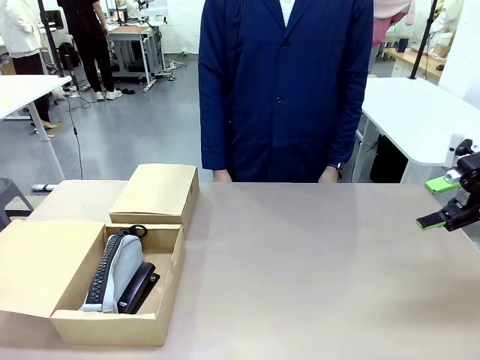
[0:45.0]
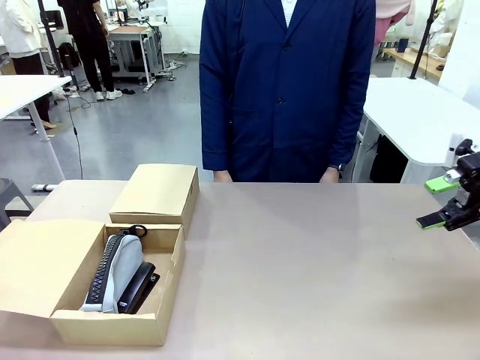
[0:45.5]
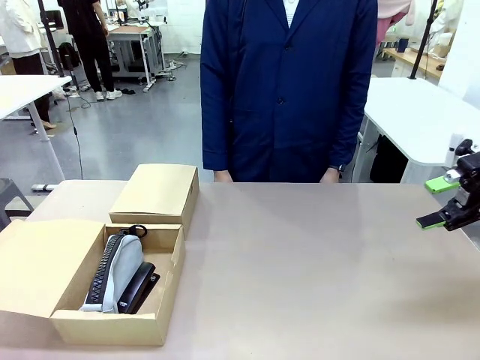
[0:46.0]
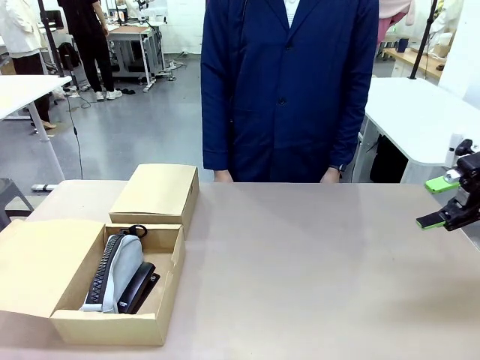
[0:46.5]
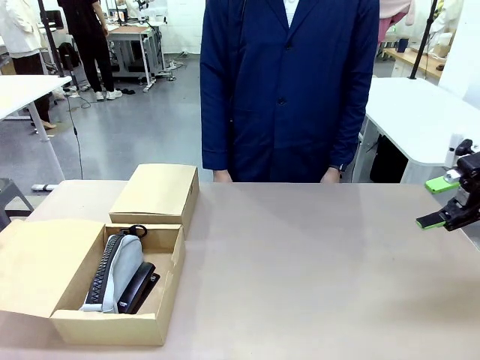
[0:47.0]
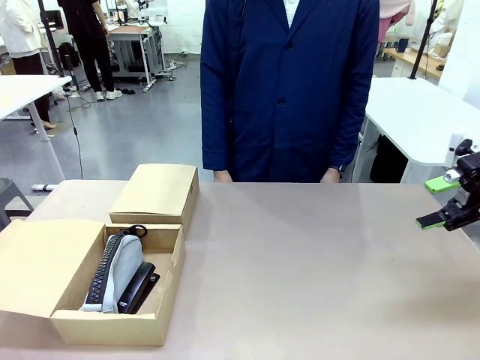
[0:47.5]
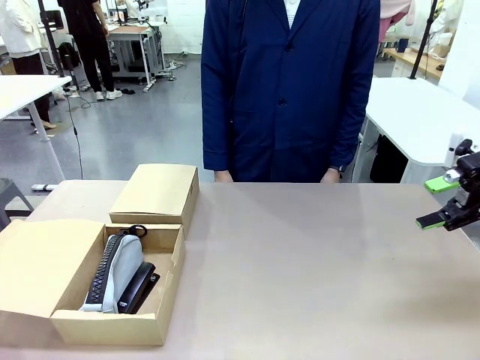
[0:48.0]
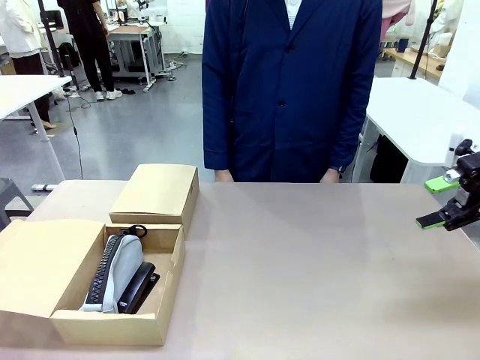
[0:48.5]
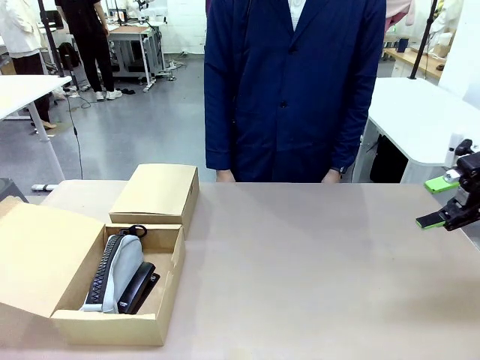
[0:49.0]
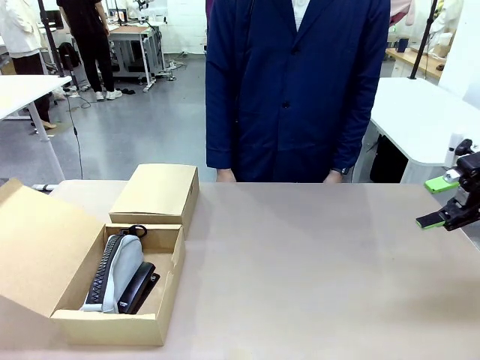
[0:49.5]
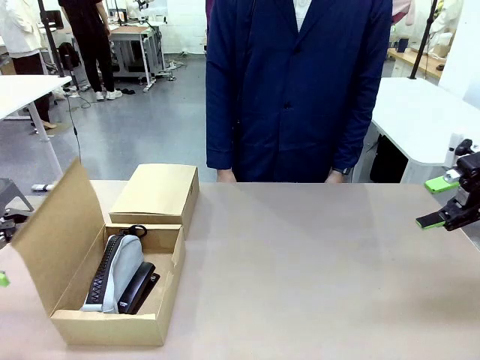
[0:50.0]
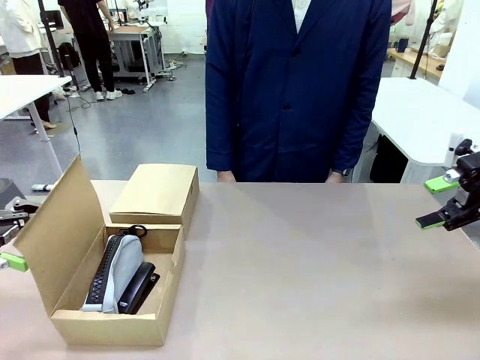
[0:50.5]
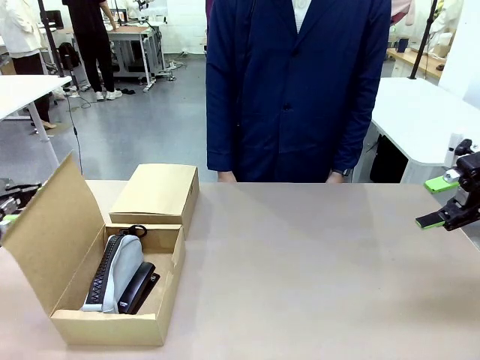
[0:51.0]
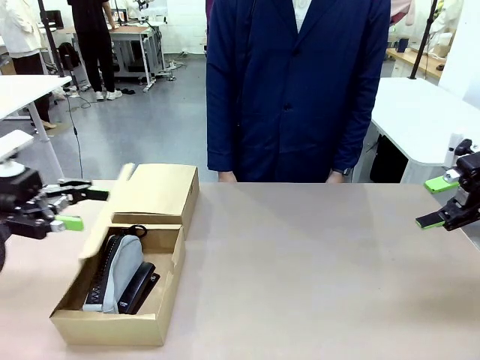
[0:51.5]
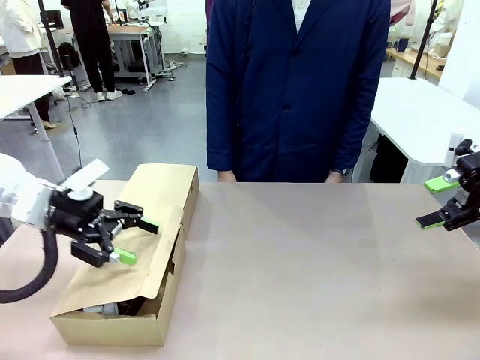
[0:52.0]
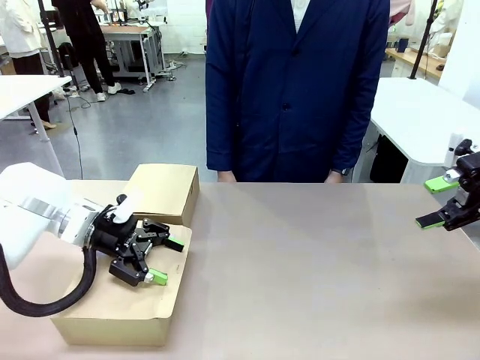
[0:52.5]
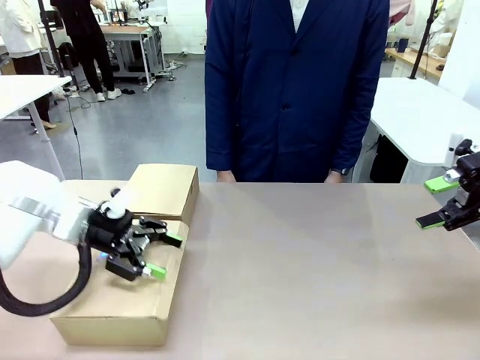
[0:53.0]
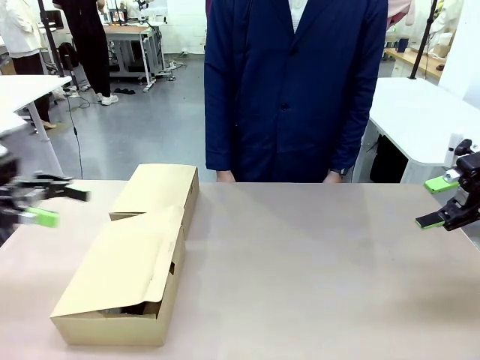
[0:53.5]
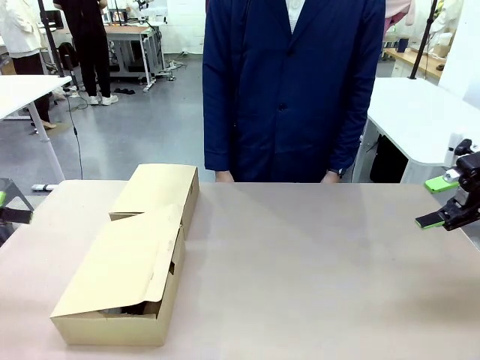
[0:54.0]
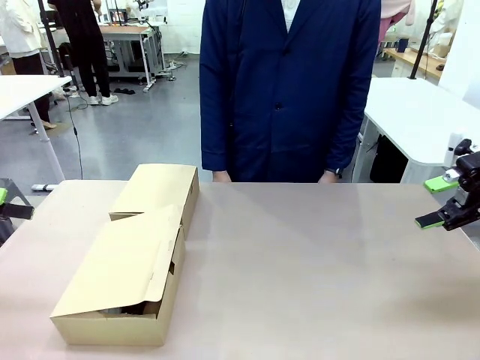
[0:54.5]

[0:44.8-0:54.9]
Task: Place items inside the box.
Robot: Close the lid of the Mailer Box closest to the robot.

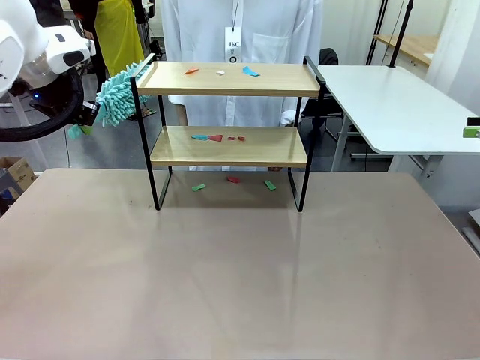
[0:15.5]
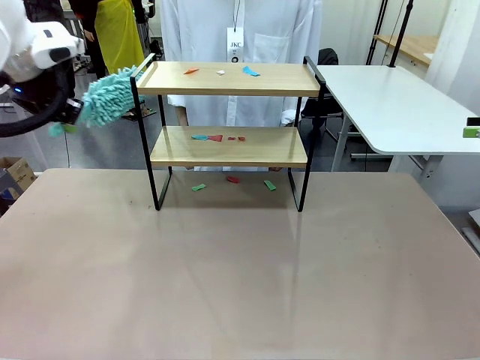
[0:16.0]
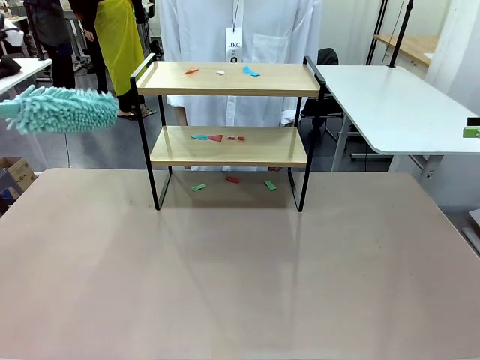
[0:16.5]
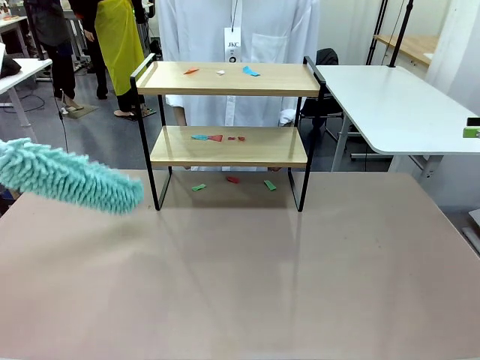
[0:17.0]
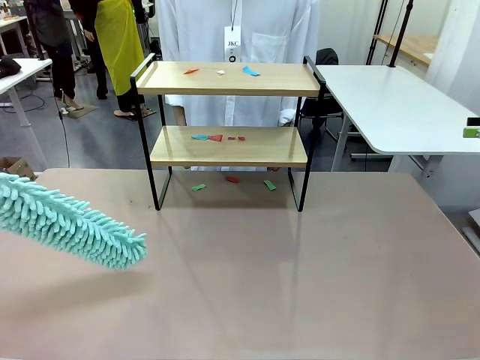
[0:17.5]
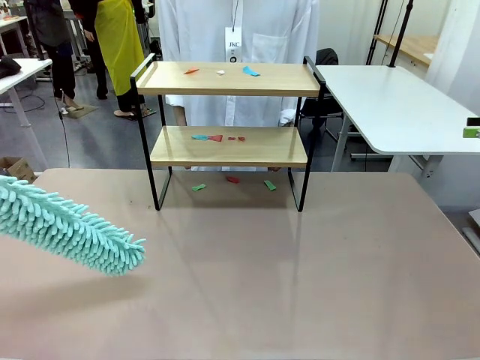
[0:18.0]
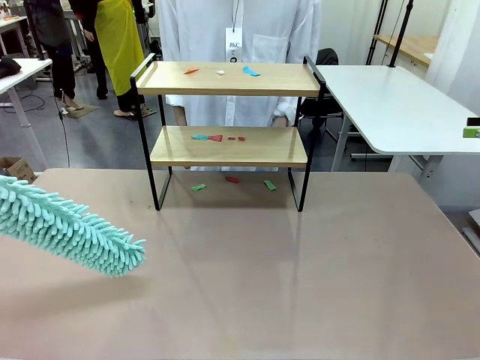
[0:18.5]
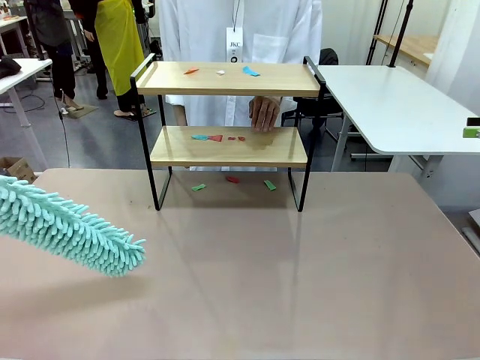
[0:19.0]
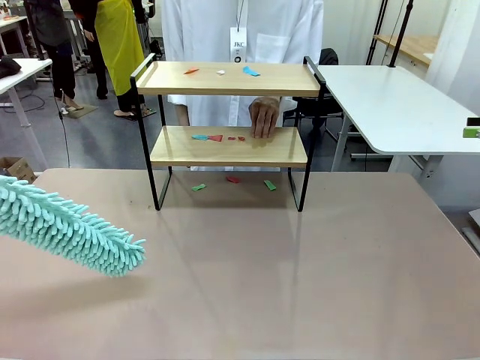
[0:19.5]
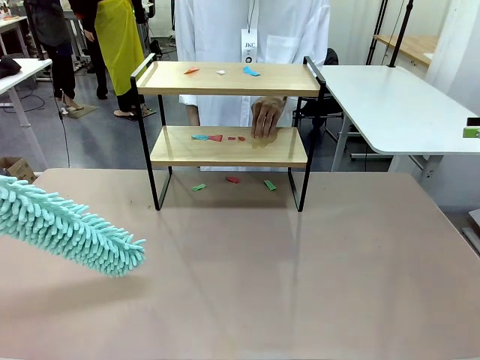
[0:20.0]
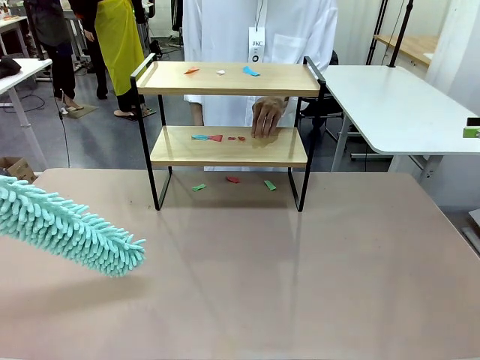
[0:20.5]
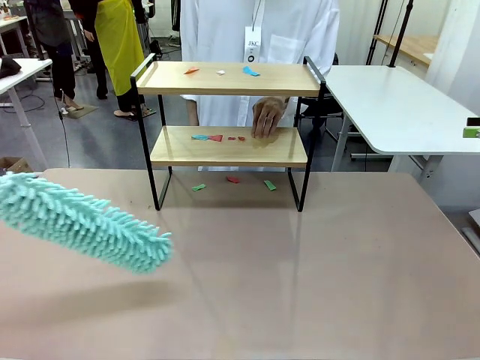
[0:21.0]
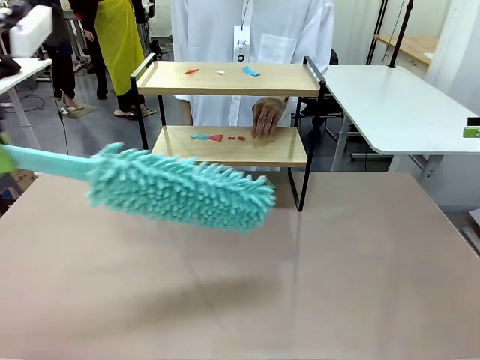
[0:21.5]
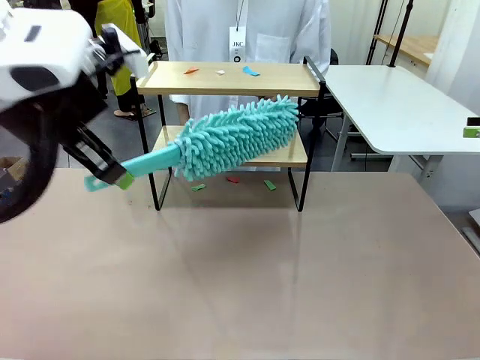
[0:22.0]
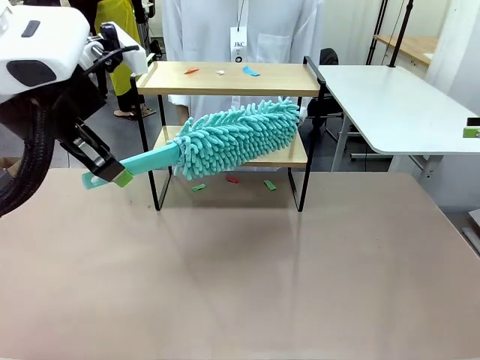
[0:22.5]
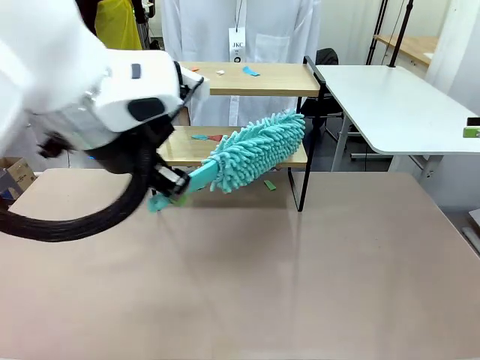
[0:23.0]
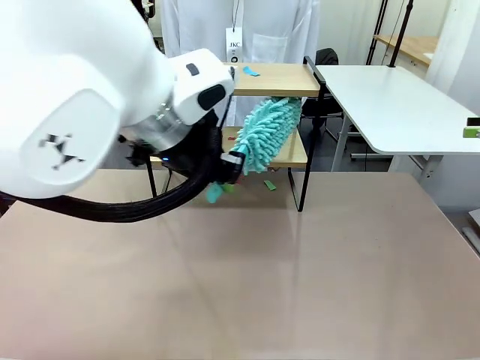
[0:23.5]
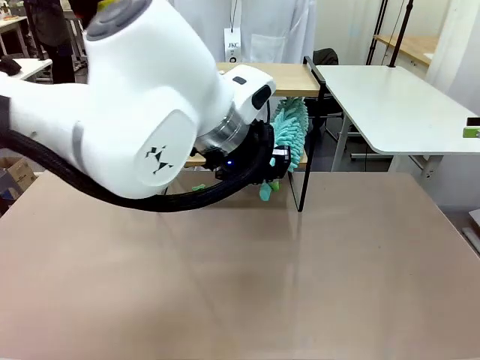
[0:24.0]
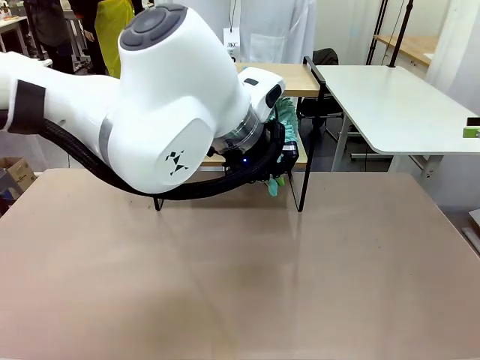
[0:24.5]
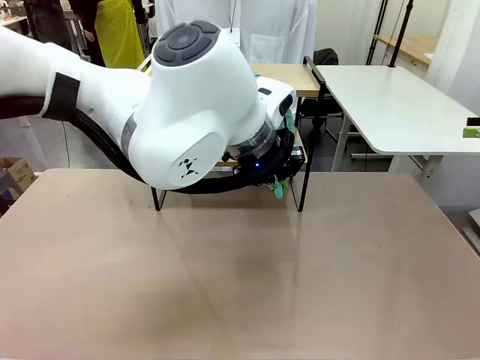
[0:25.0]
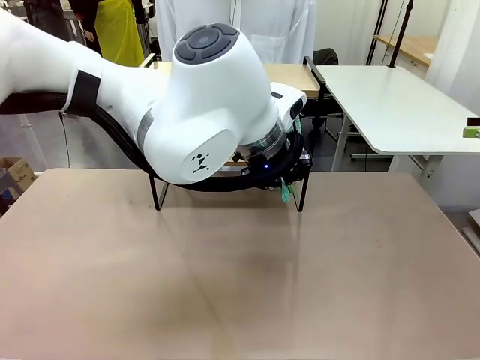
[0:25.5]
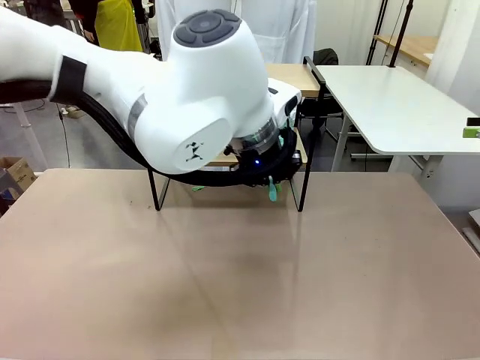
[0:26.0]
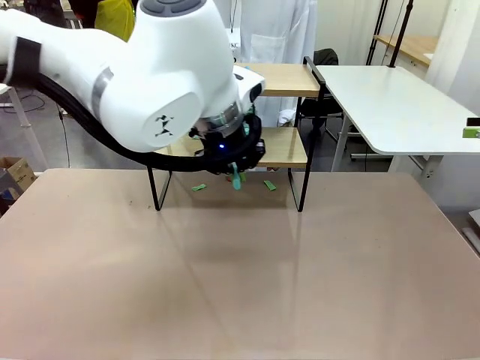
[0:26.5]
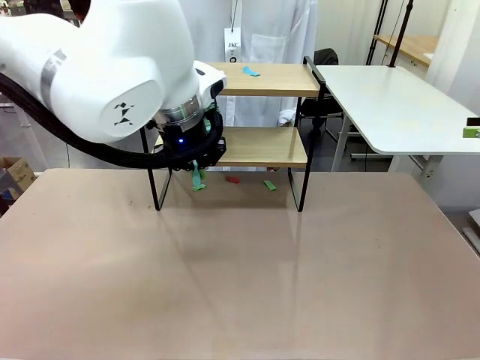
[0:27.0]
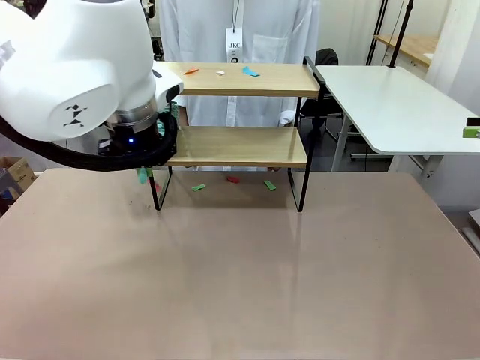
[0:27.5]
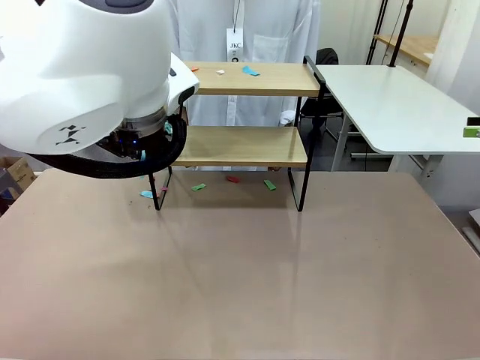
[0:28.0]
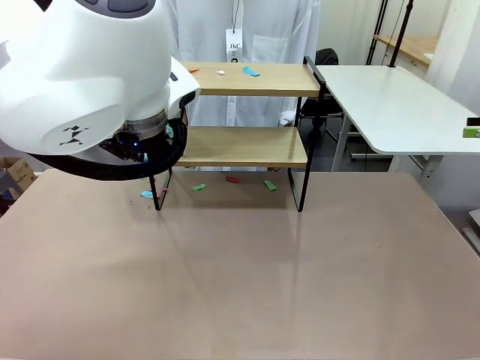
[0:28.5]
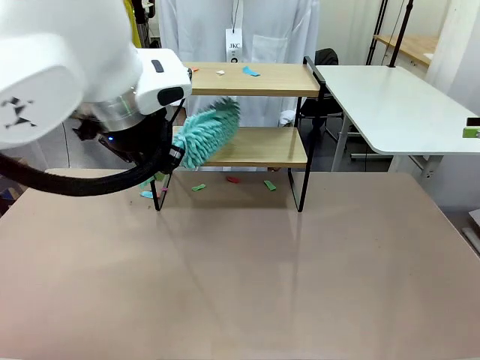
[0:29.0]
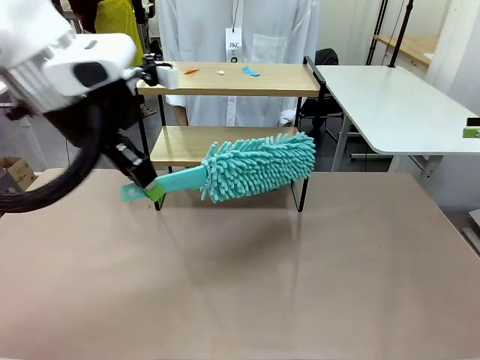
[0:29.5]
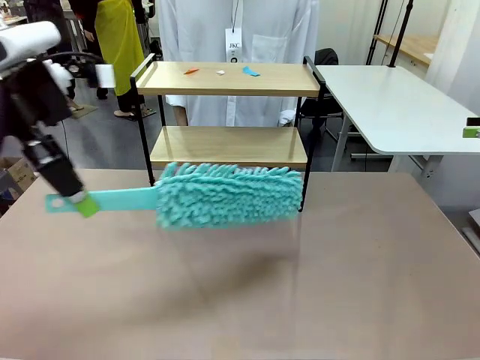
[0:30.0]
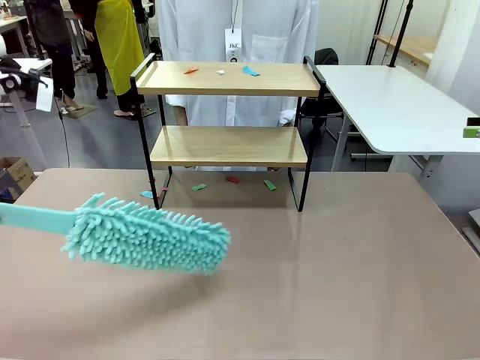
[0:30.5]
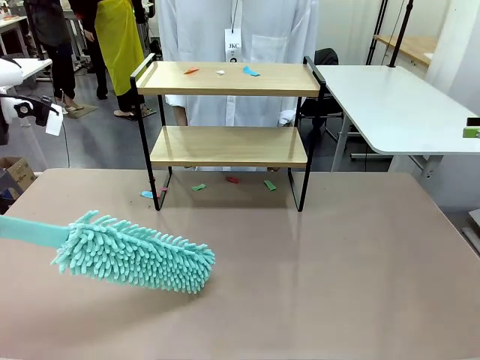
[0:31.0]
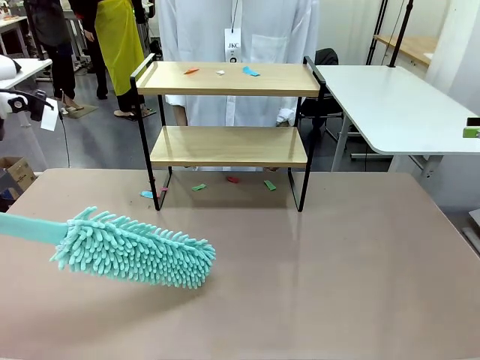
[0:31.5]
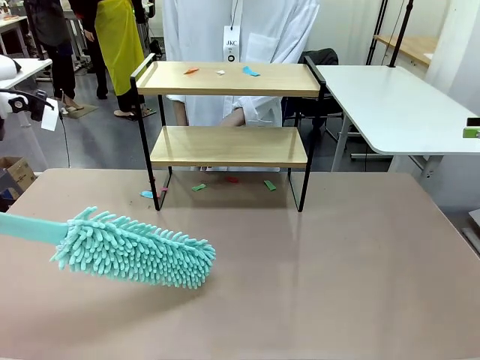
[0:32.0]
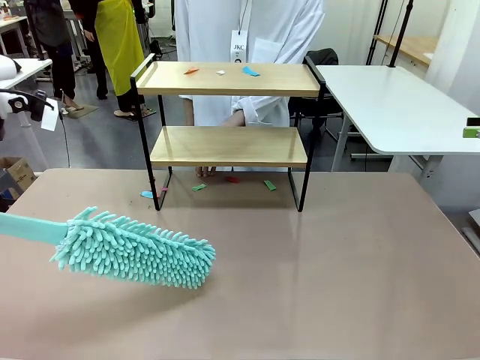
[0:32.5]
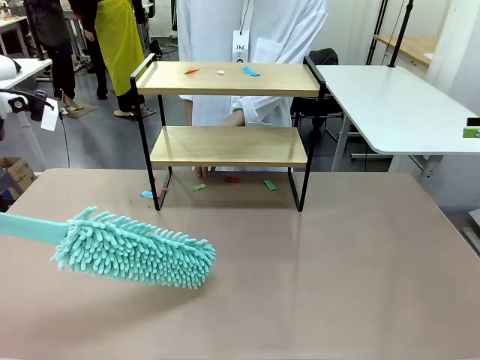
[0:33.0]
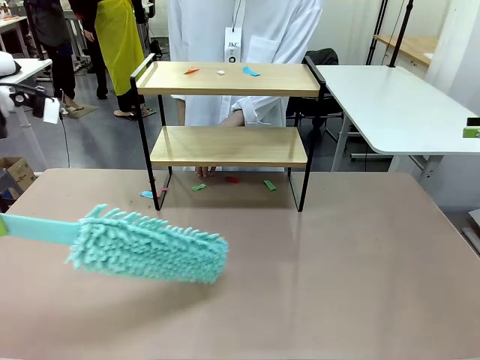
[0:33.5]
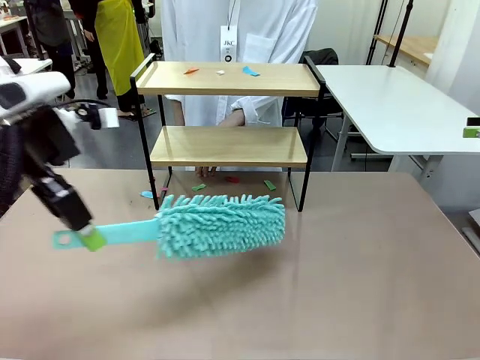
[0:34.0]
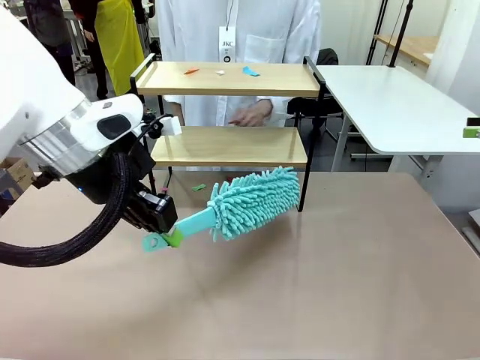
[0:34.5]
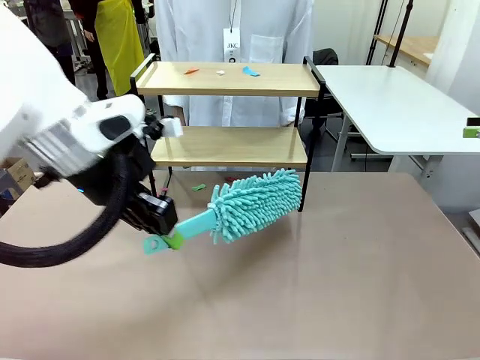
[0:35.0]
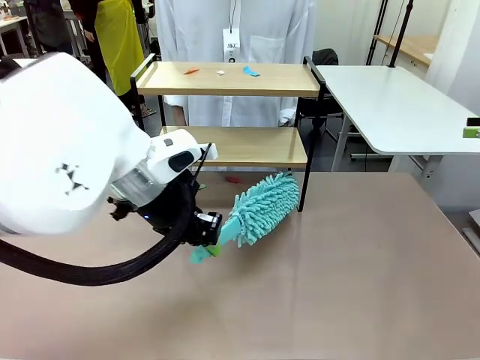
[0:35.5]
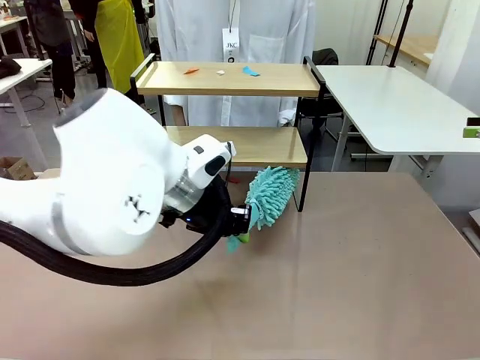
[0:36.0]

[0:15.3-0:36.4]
Task: Clean the shelf.
Robot: Clean the specific section of the Shelf indicated by the human with the Duster.
Person: Point a random section of the Shelf.
